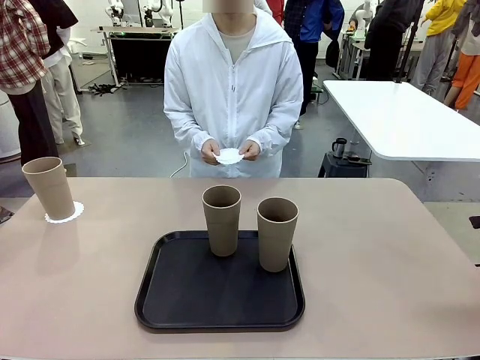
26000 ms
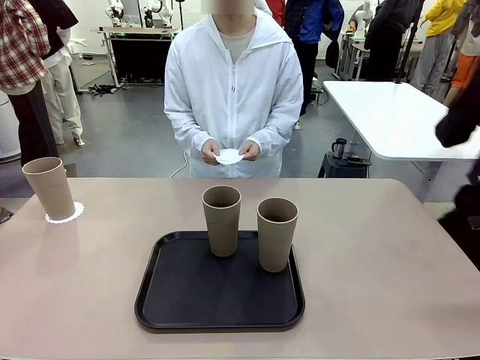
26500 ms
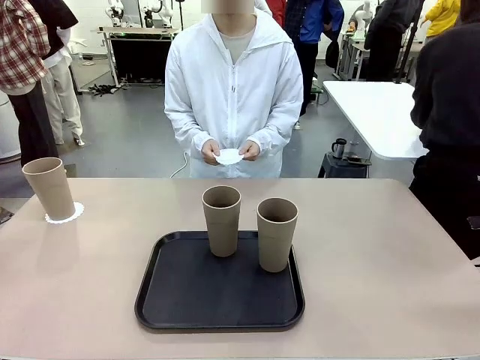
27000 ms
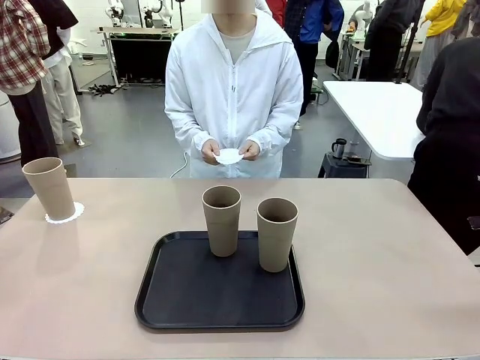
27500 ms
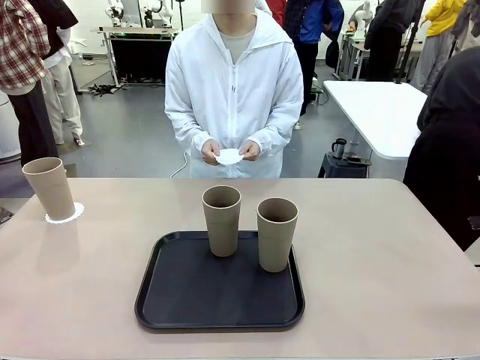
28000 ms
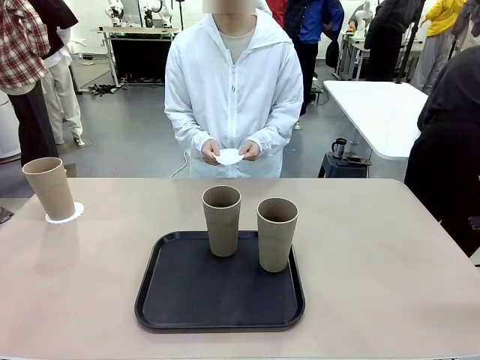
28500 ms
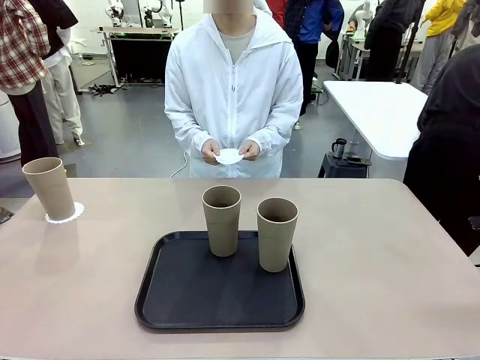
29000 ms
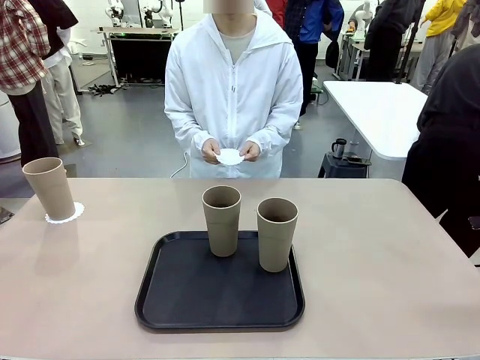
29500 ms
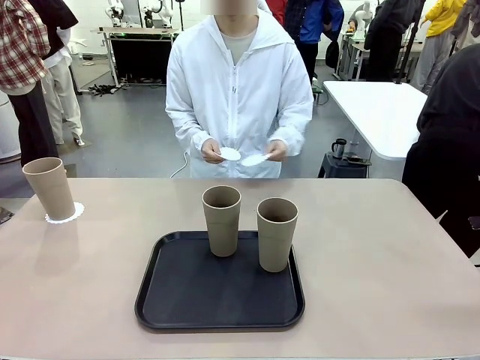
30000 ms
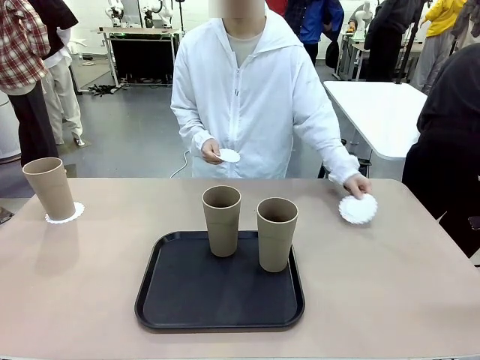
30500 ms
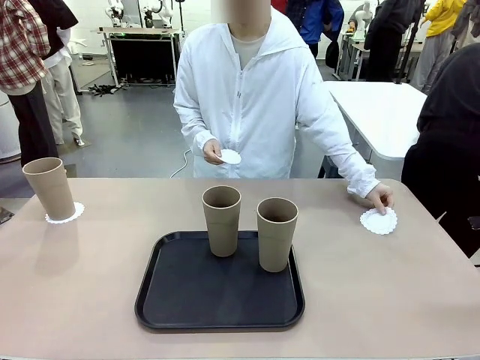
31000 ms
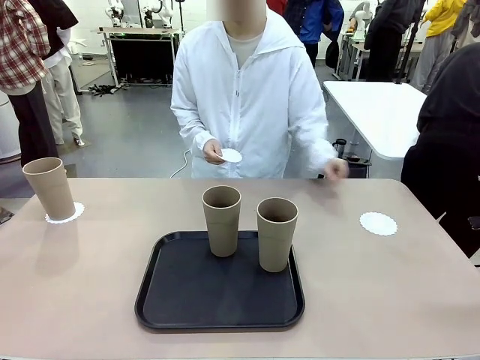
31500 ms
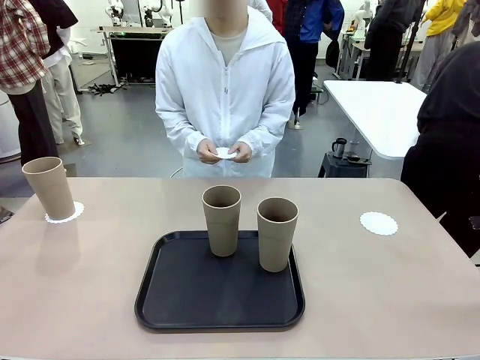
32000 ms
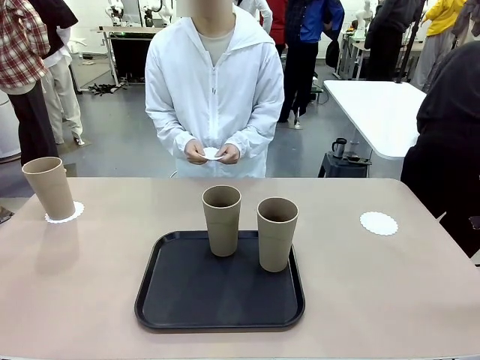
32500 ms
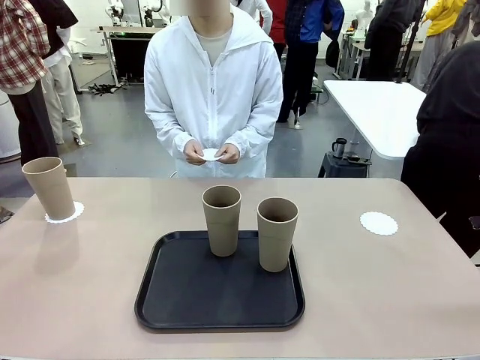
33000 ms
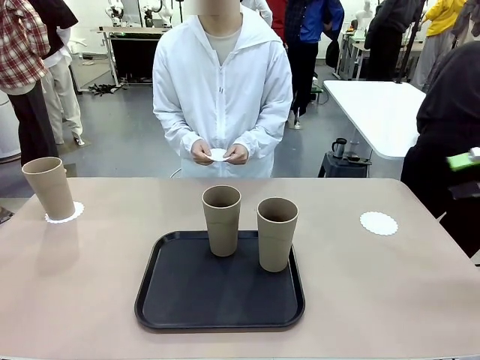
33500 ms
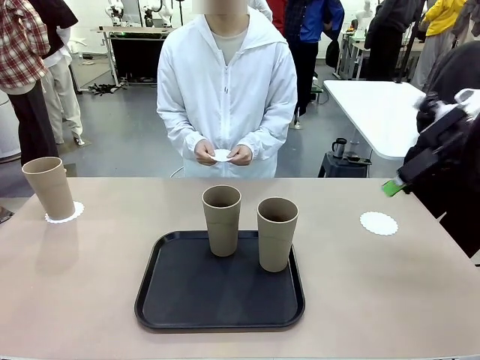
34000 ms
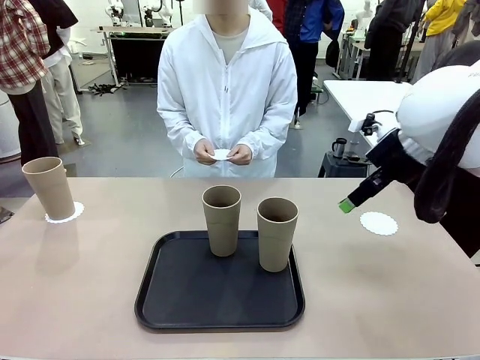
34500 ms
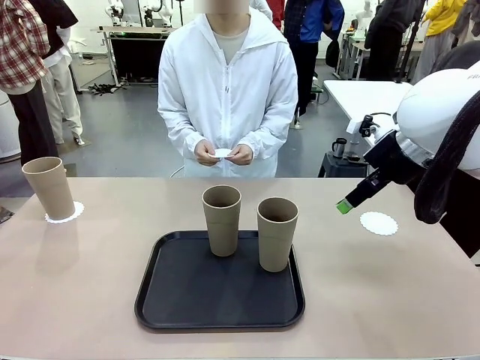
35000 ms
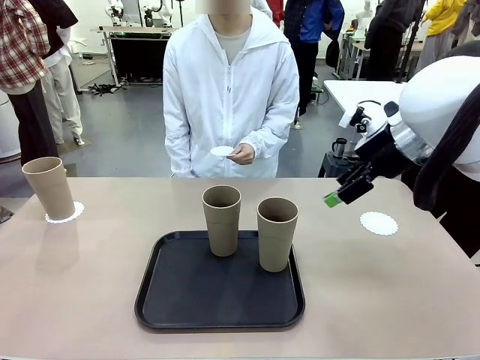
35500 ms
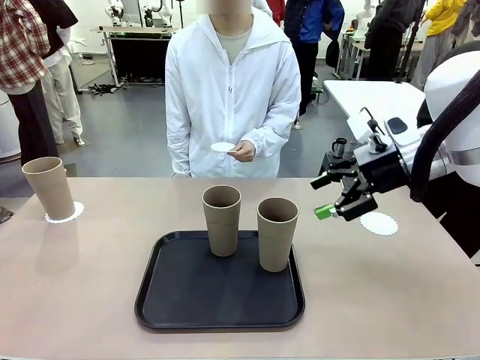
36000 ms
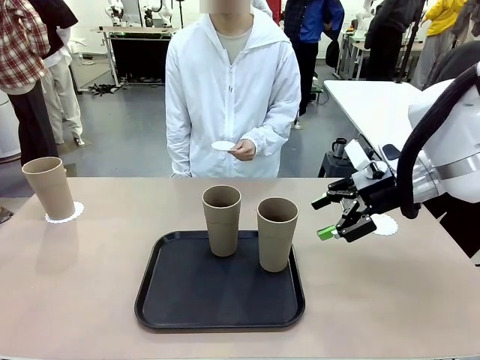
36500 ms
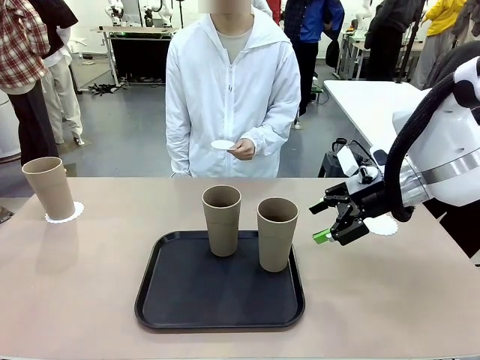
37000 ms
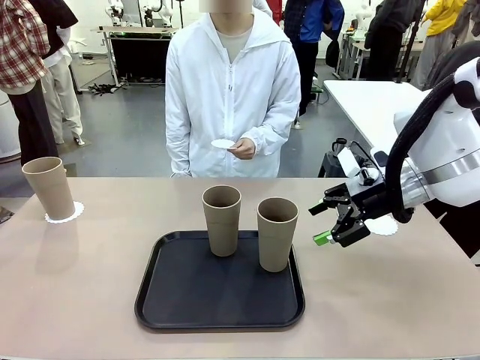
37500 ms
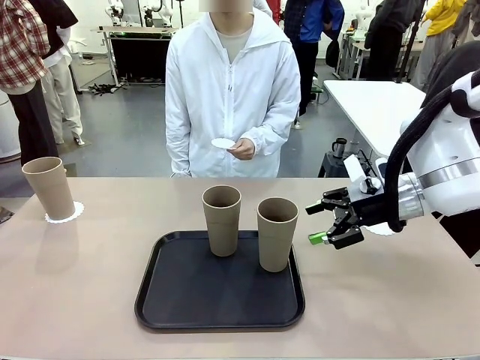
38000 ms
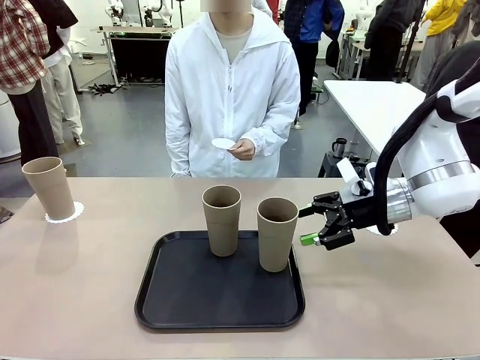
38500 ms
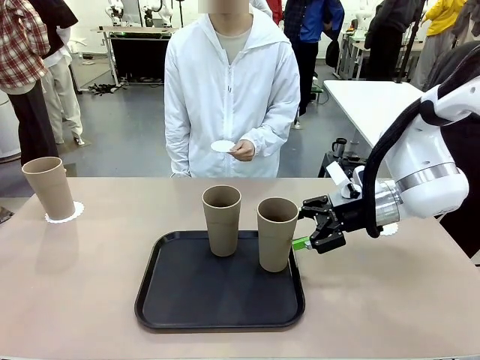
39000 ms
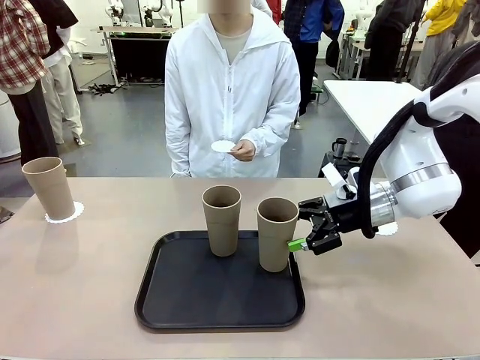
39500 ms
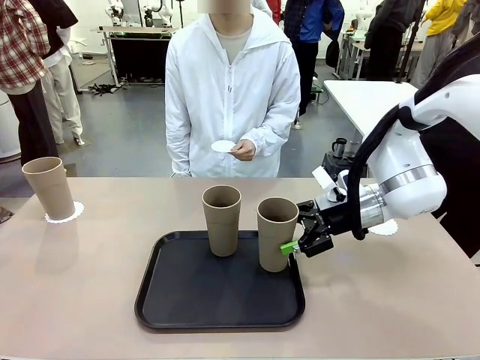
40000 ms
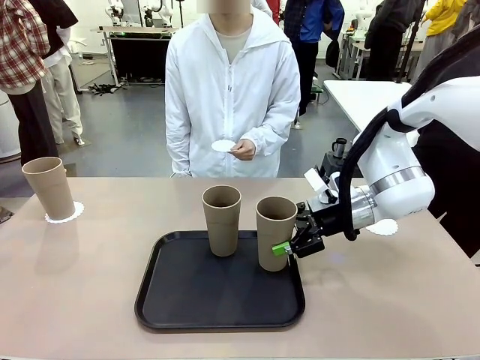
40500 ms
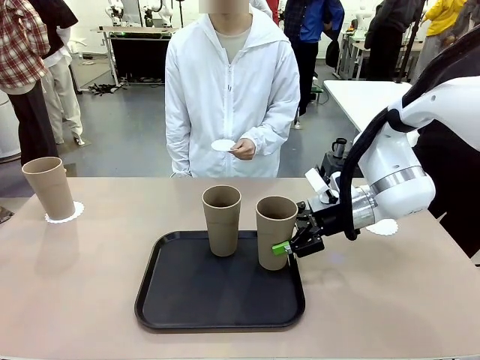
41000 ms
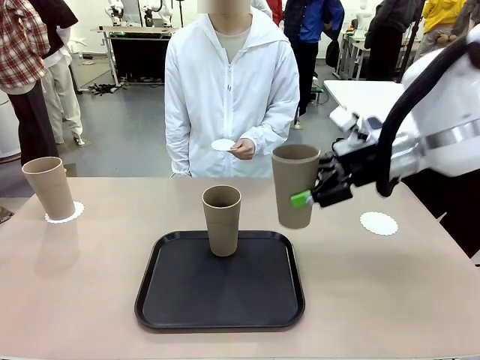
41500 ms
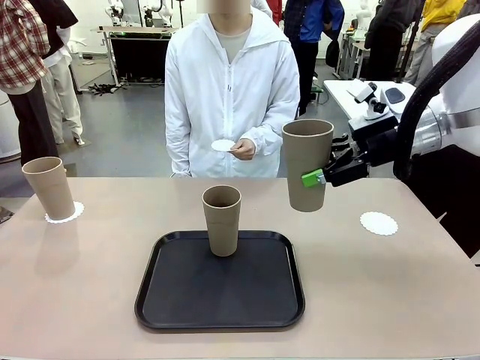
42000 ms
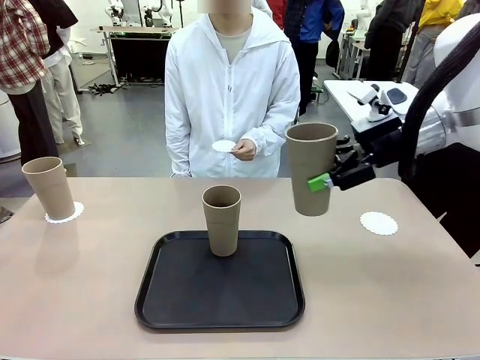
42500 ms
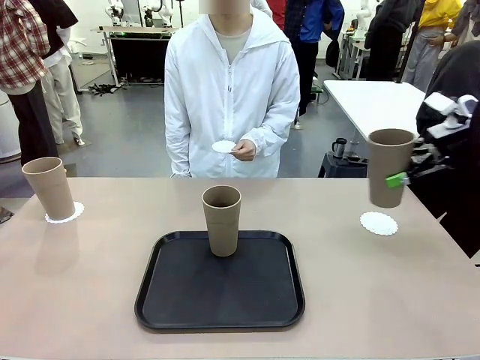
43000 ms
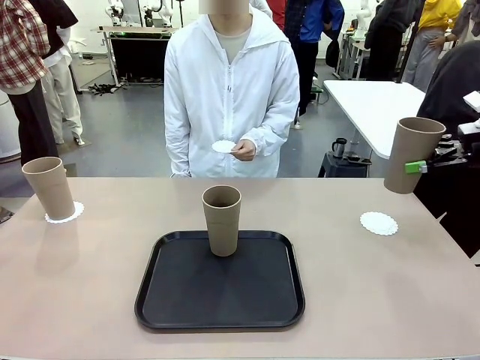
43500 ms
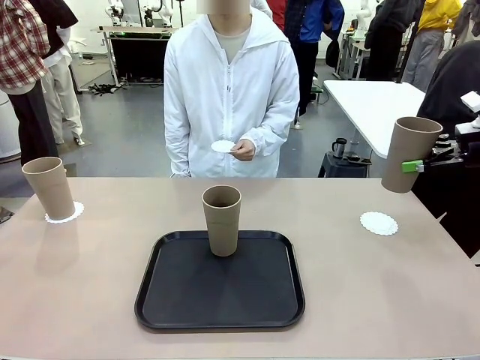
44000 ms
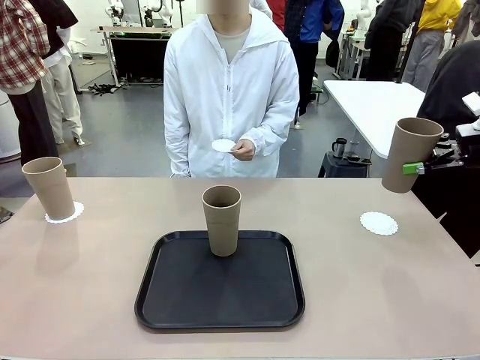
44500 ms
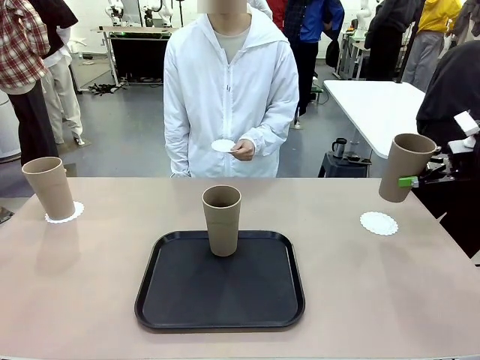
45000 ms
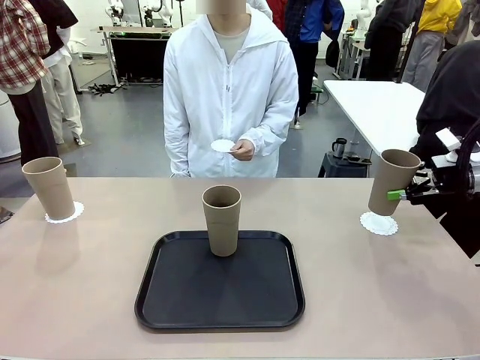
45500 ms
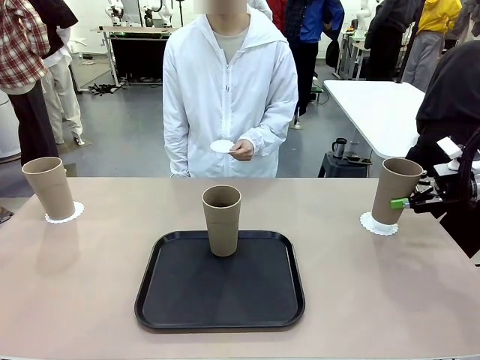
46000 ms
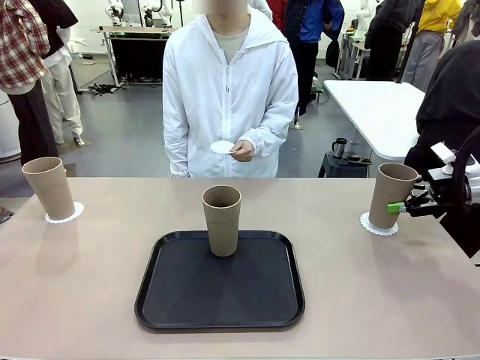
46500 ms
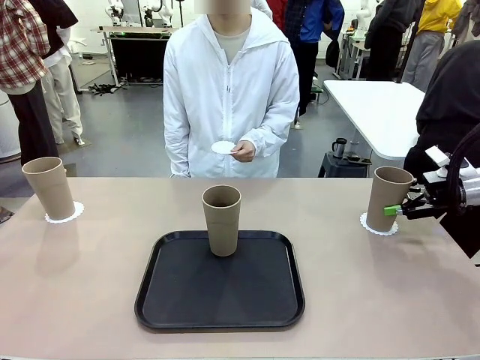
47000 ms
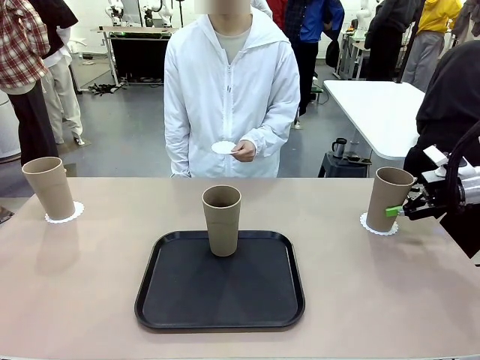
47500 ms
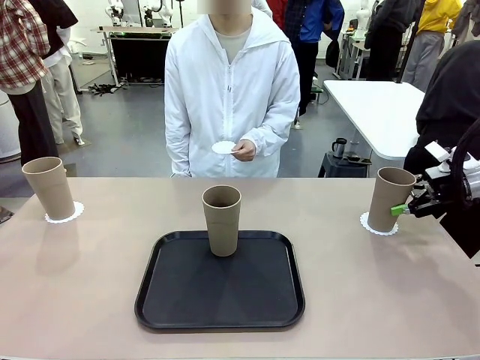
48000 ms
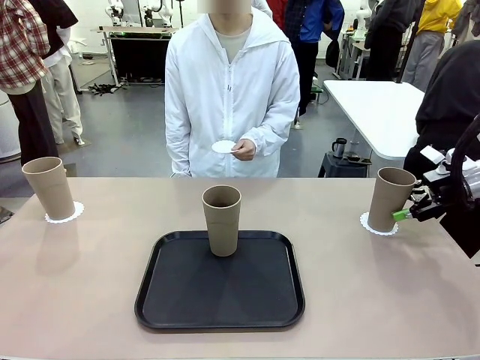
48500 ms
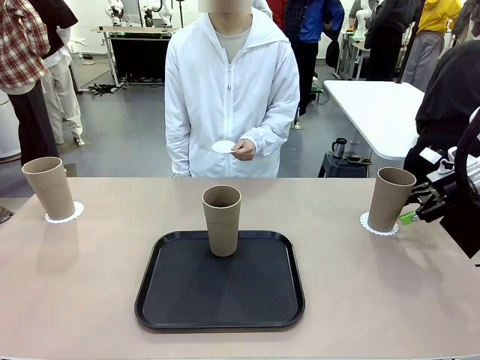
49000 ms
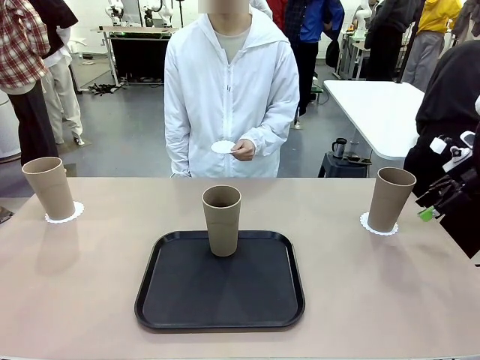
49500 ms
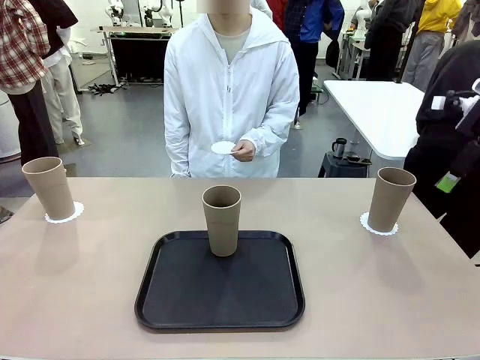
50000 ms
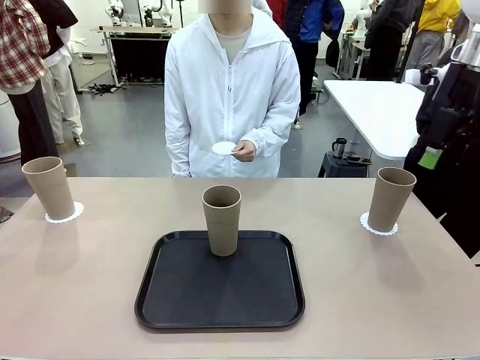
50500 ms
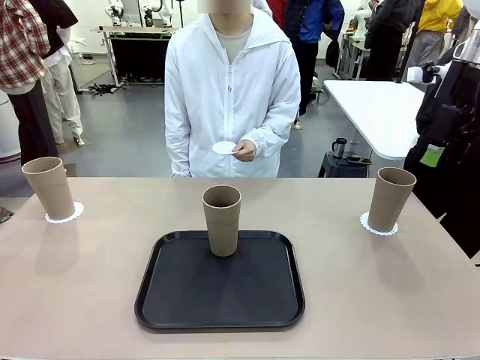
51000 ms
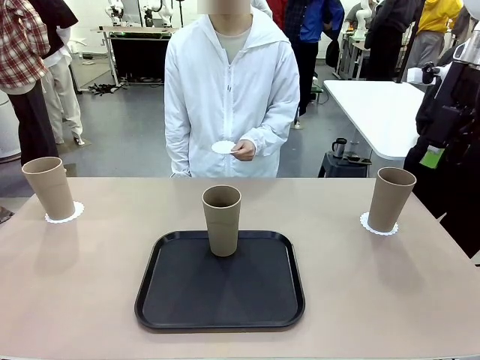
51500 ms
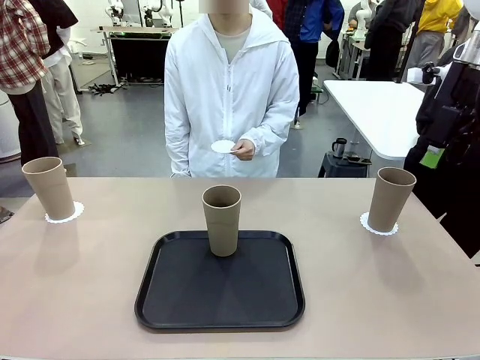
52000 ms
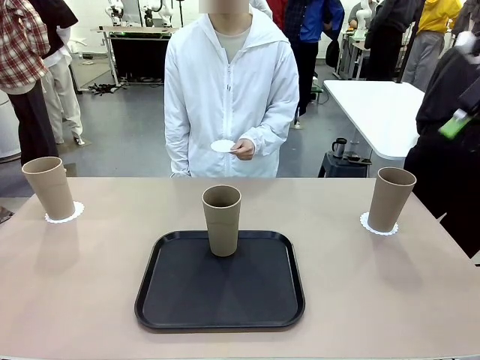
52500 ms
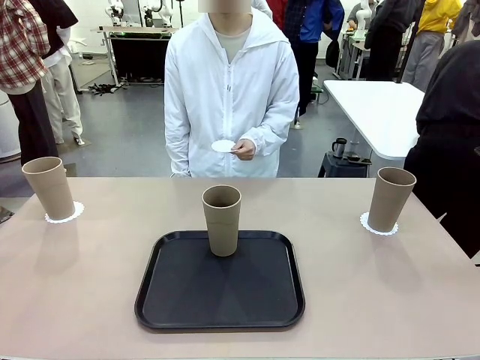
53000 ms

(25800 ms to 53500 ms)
Task: Place coasters on the table and set cups on them.
Robot: Take one Reusable plastic cup from the Flat Tray and place it on a coaster set by the human.
